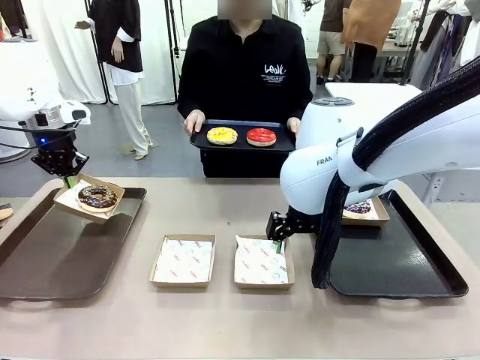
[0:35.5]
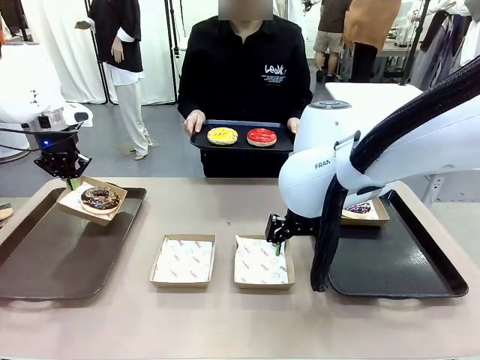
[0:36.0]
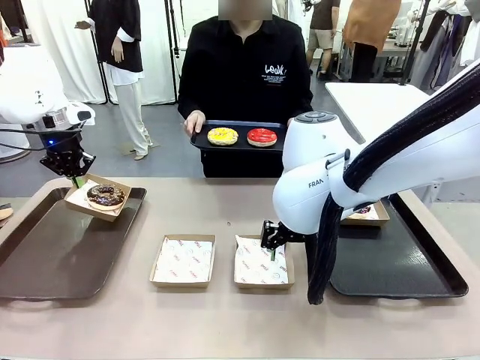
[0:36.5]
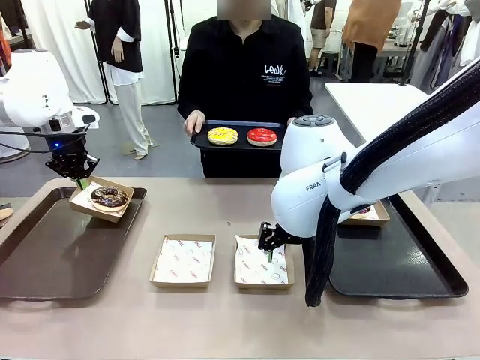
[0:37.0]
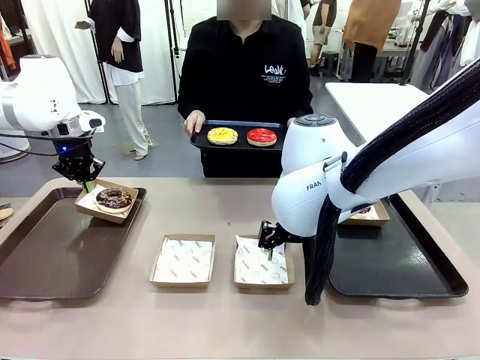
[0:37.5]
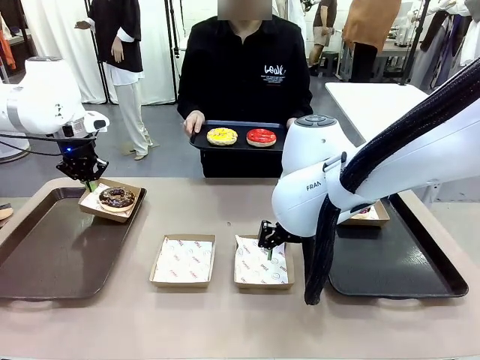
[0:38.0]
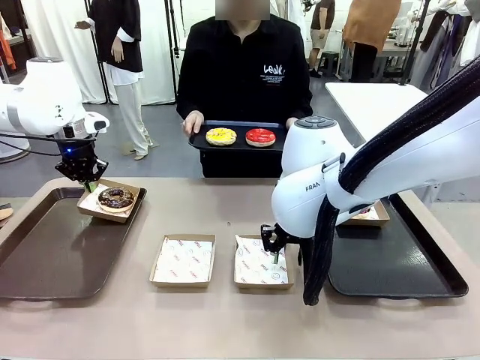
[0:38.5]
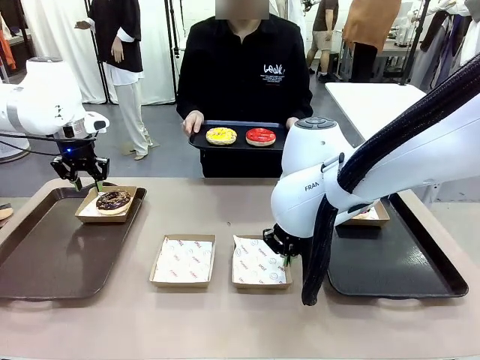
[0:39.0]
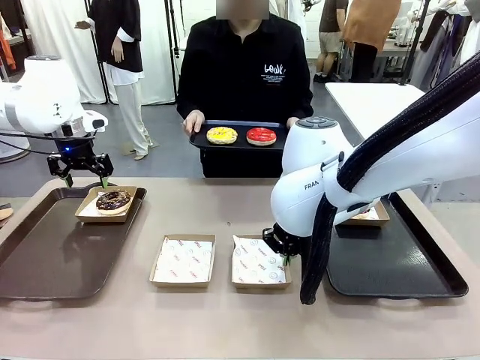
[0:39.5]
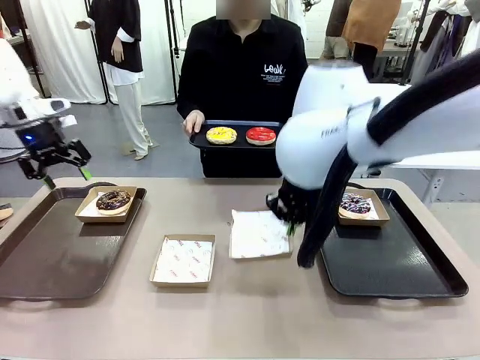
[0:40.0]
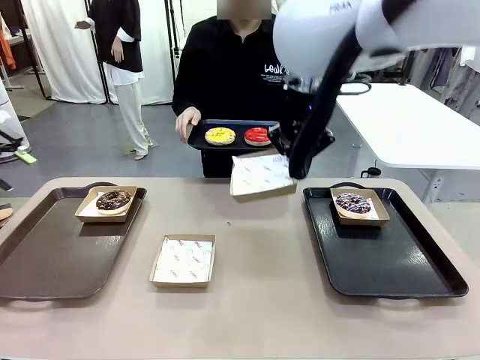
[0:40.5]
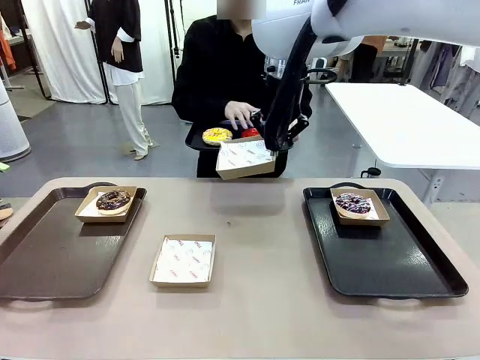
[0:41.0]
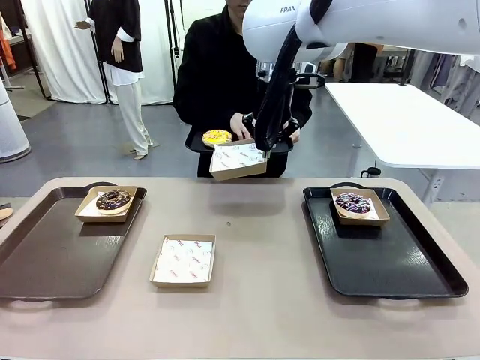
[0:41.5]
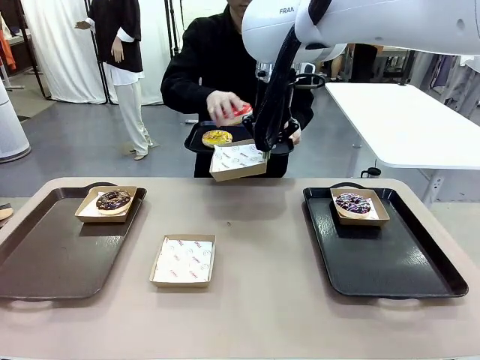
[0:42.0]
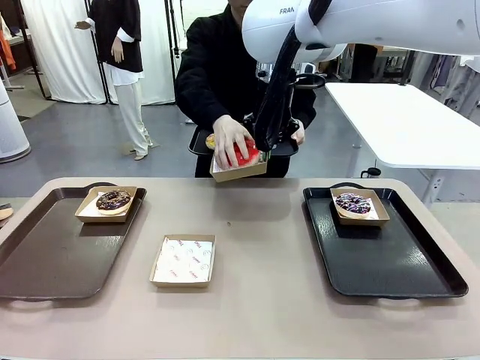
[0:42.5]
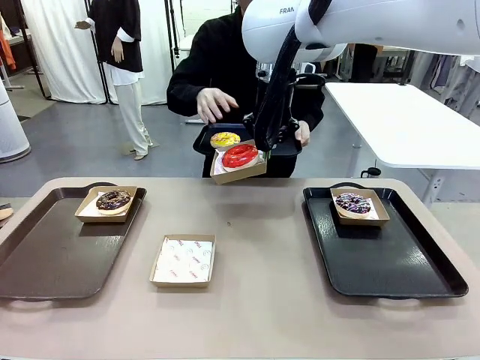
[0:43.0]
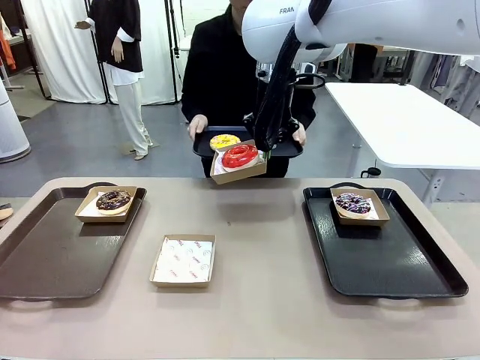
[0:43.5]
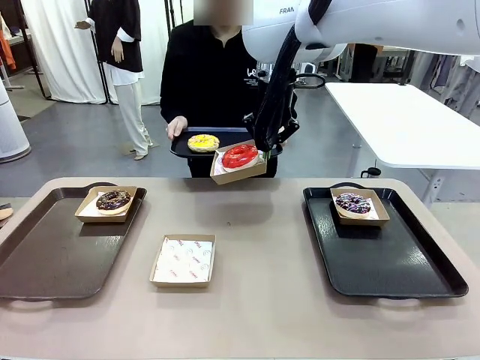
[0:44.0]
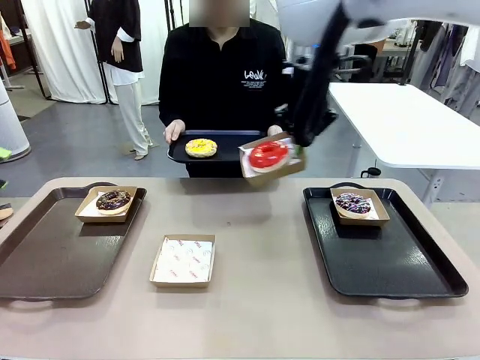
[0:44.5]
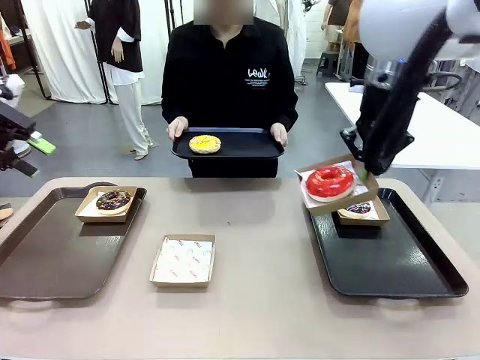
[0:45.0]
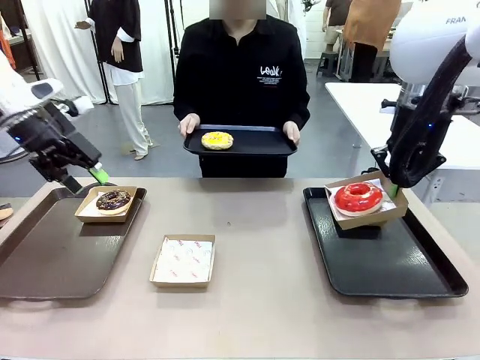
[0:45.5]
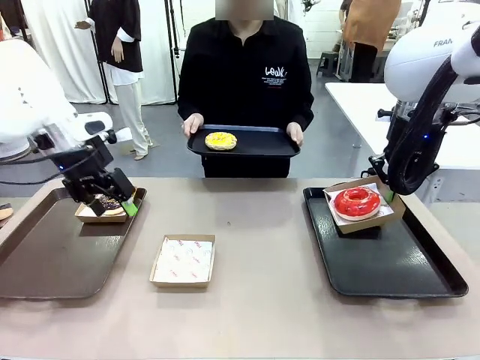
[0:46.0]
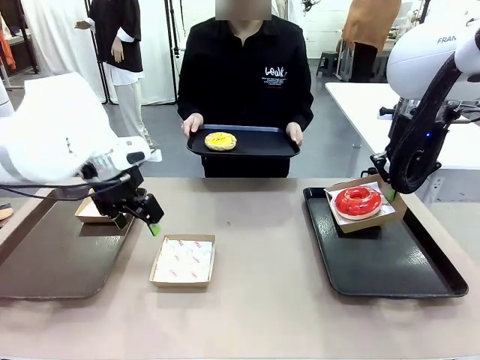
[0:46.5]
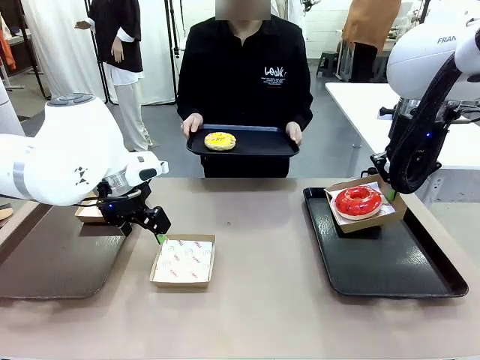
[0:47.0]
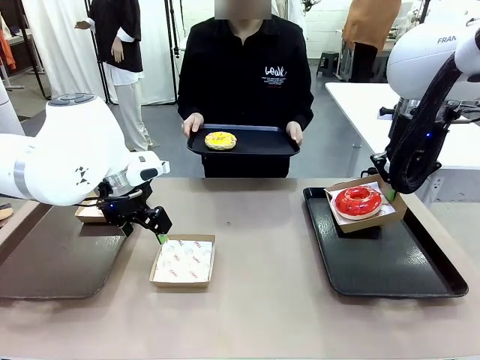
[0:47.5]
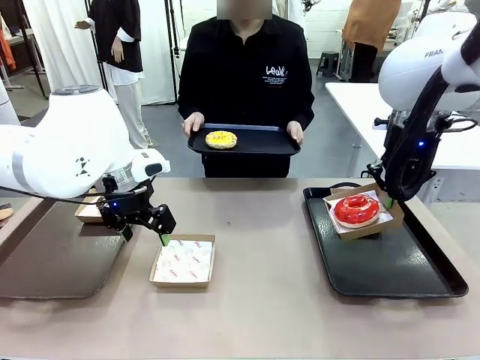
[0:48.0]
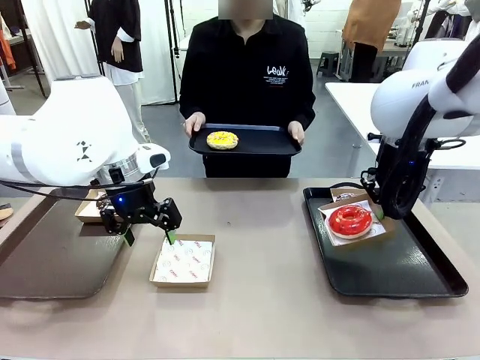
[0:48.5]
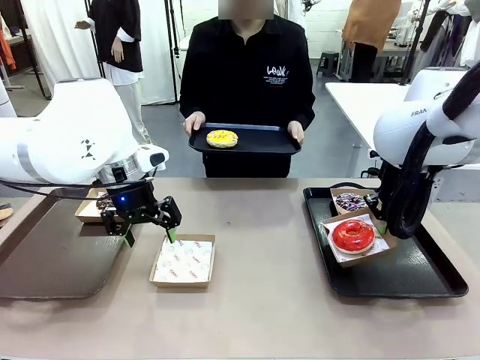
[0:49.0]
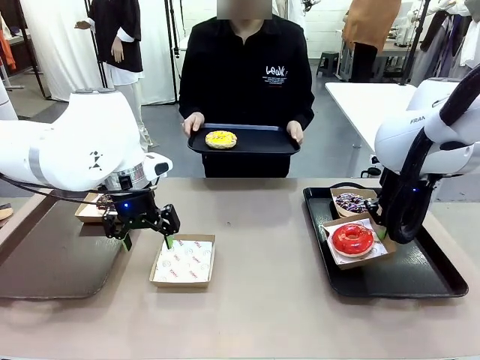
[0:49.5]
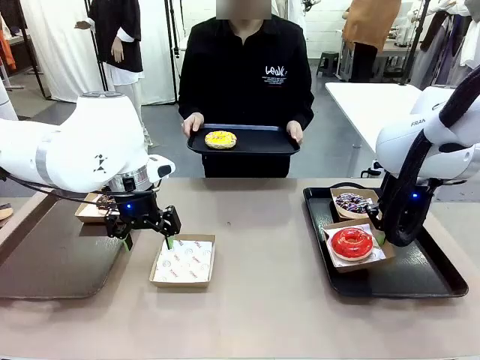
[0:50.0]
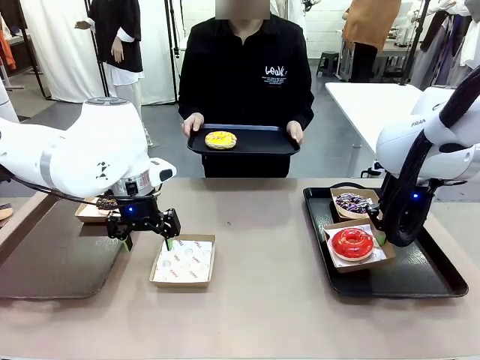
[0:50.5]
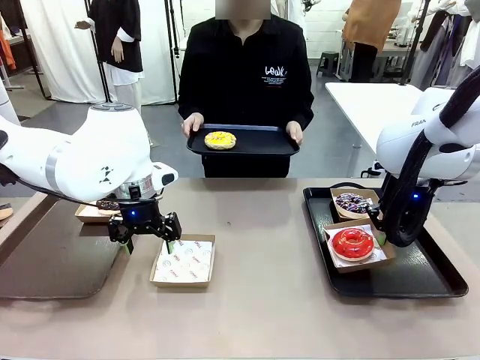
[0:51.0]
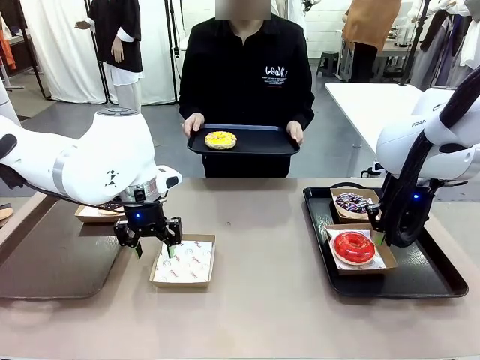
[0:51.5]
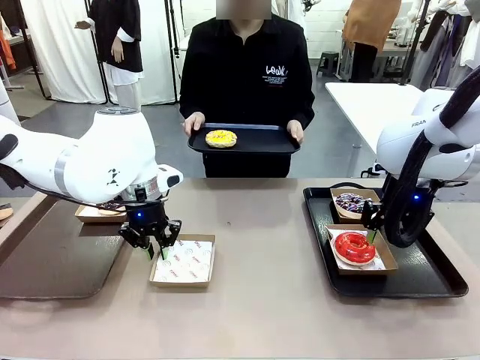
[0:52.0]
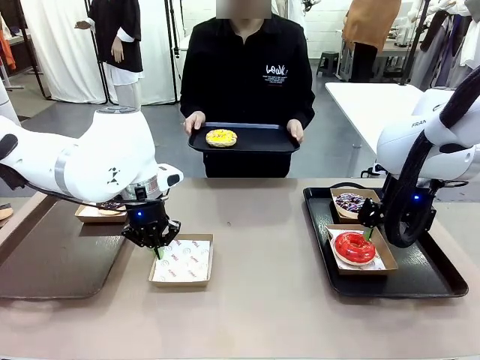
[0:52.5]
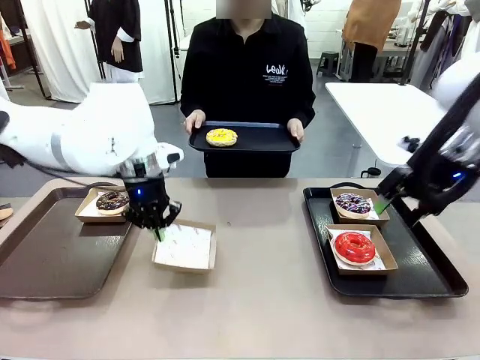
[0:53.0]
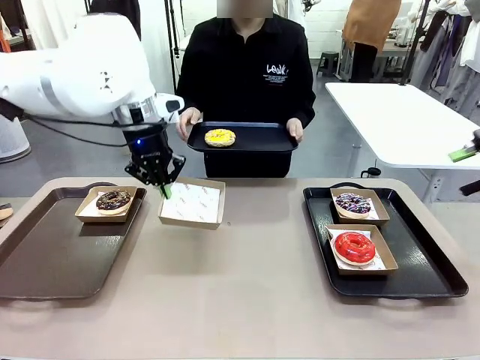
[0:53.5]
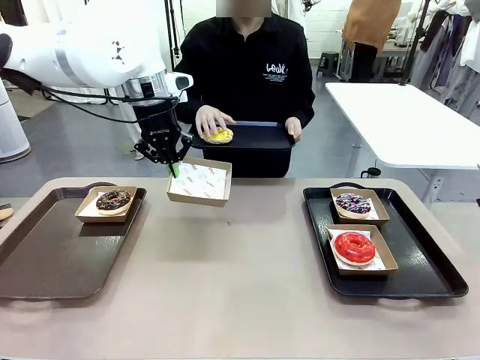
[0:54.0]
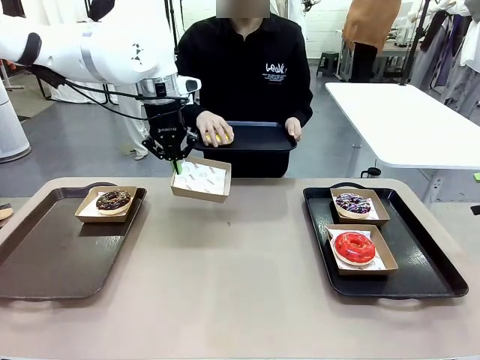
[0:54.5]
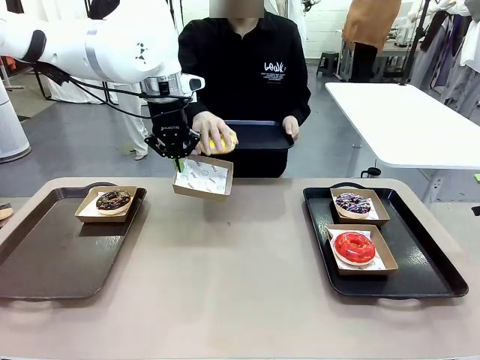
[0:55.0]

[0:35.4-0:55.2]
Task: Individually package the donuts and arrange them on the tray.
Robot: Place the picked Paper togo box on the Handle tray while simultaneously picking up another Paper togo box from the table with the other hand.

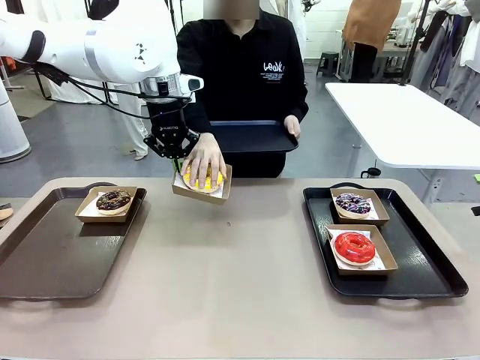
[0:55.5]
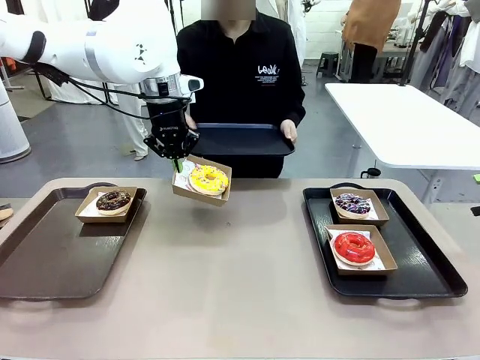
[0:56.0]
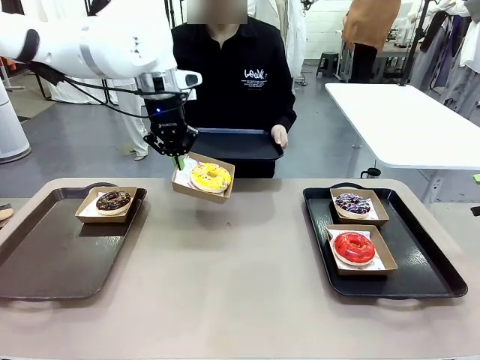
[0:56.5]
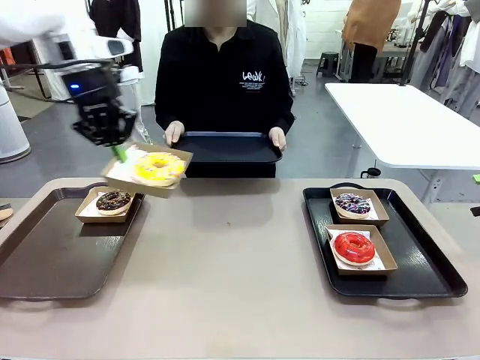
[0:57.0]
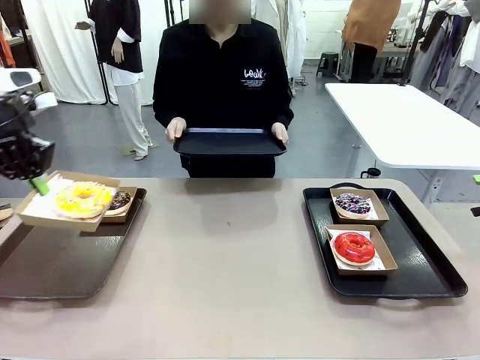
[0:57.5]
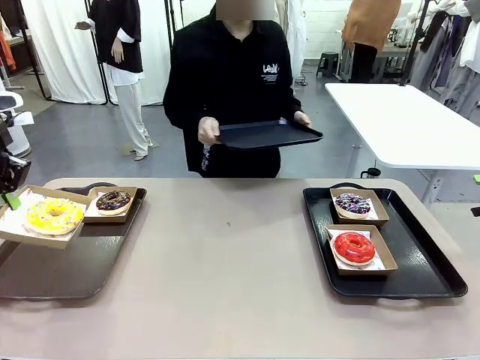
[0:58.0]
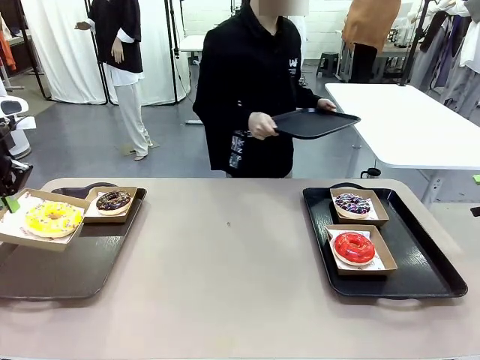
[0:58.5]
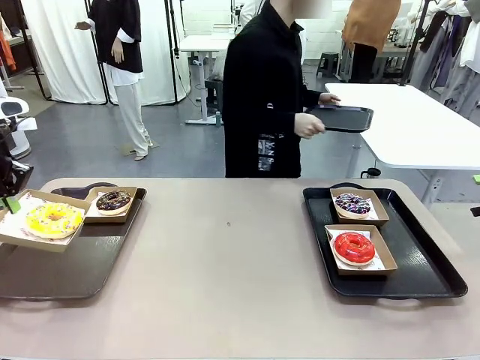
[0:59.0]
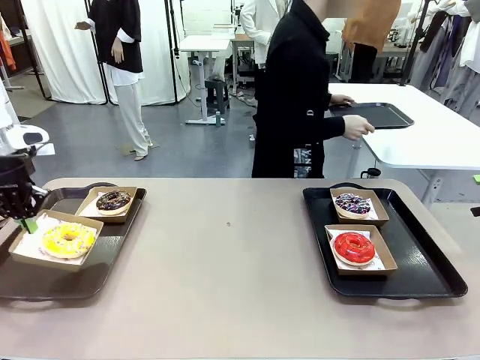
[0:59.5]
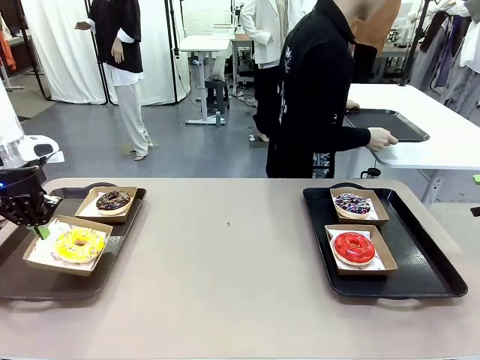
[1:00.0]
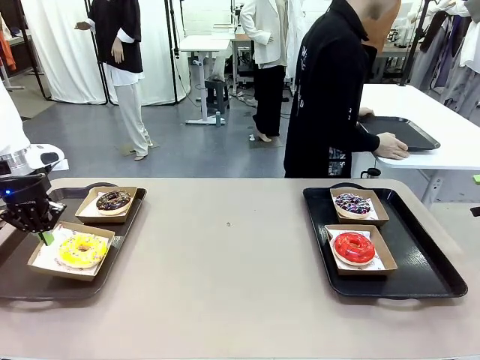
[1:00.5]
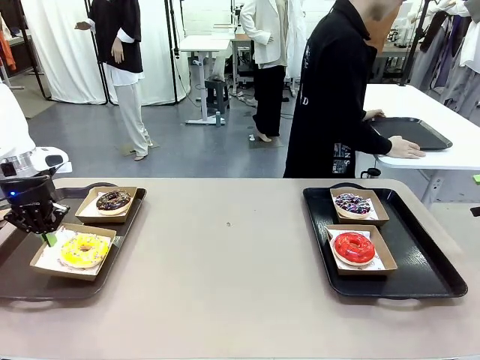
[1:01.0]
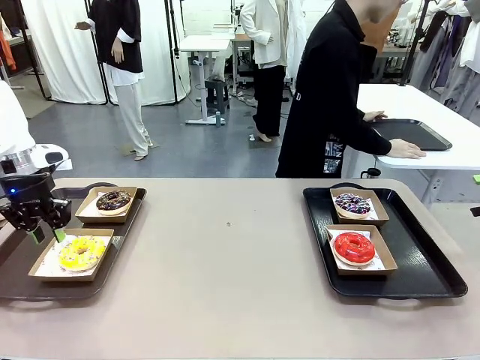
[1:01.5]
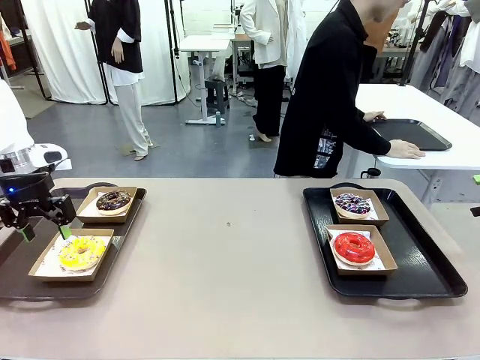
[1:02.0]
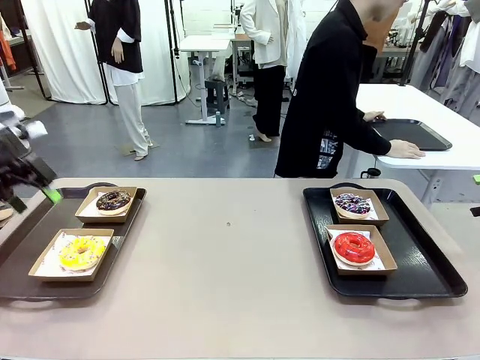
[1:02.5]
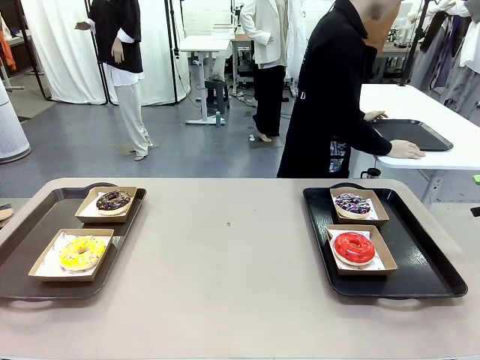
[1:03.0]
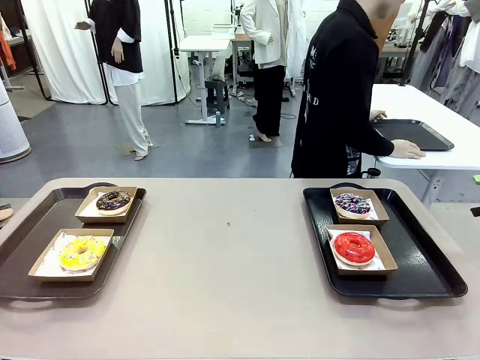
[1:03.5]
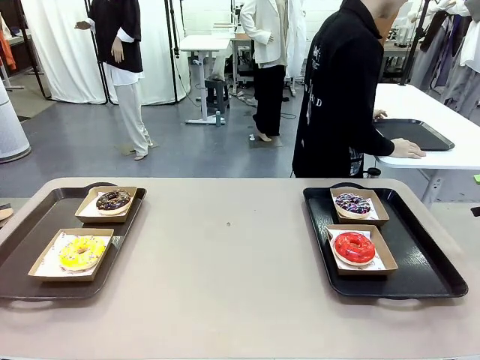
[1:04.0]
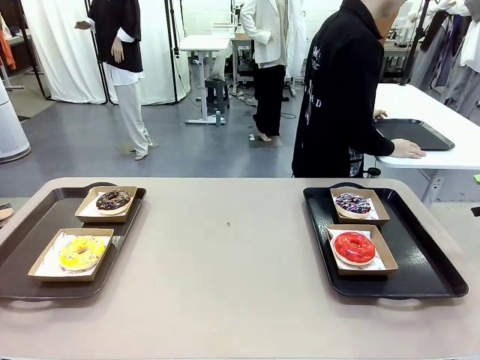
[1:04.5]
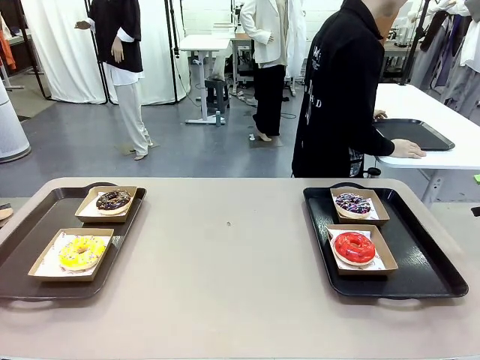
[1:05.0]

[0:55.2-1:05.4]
Robot: Place the picked Paper togo box on the Handle tray.
Person: Place the tray down in the middle of the human table.
